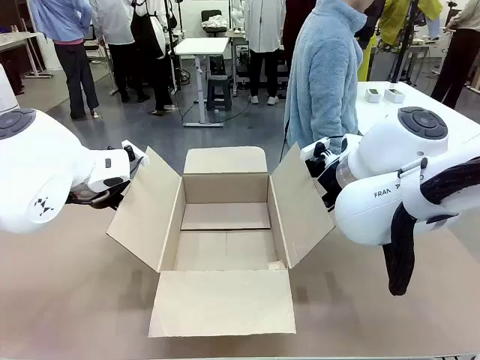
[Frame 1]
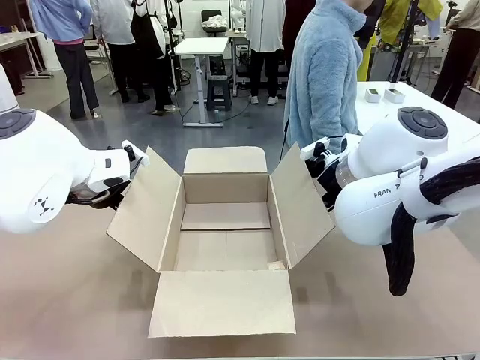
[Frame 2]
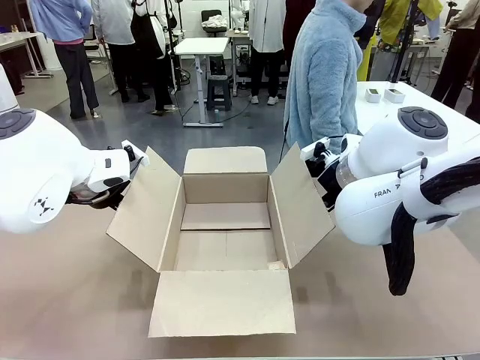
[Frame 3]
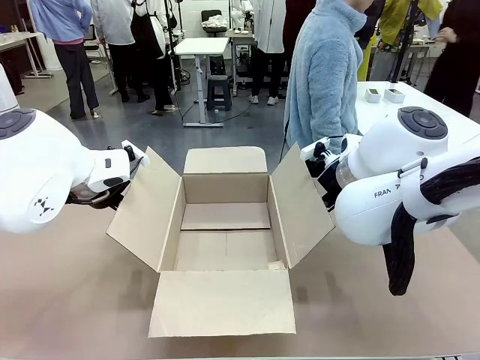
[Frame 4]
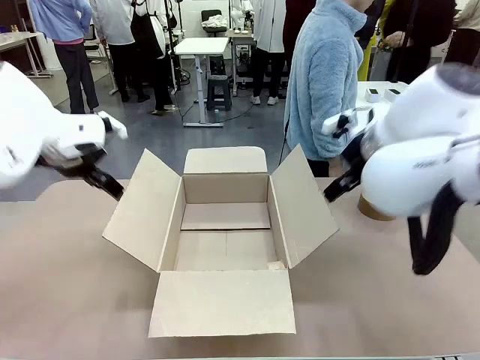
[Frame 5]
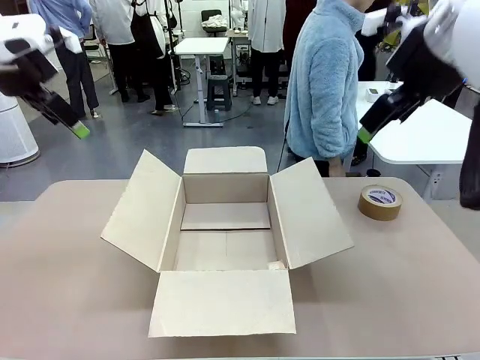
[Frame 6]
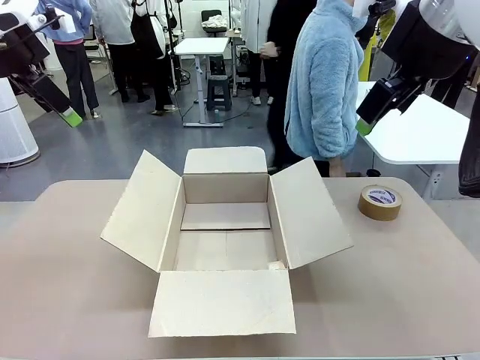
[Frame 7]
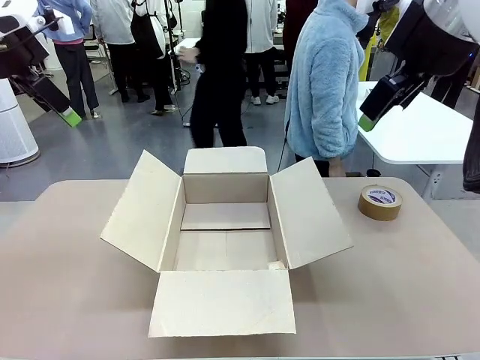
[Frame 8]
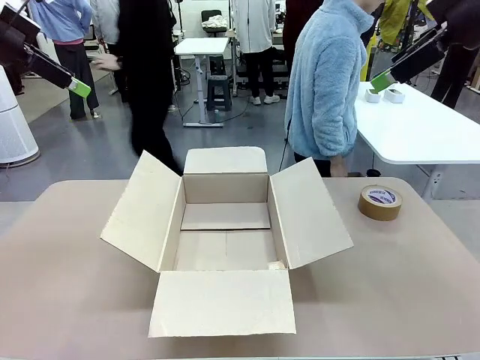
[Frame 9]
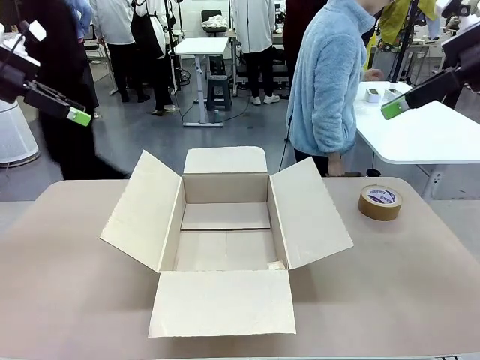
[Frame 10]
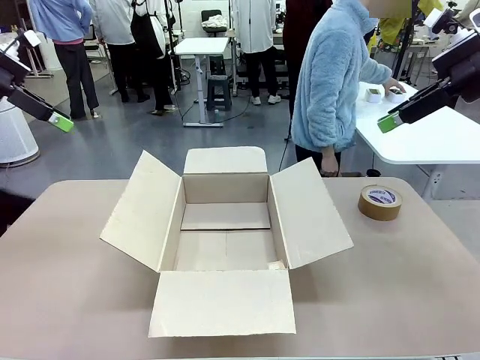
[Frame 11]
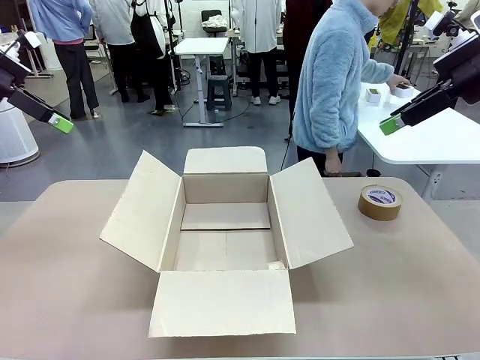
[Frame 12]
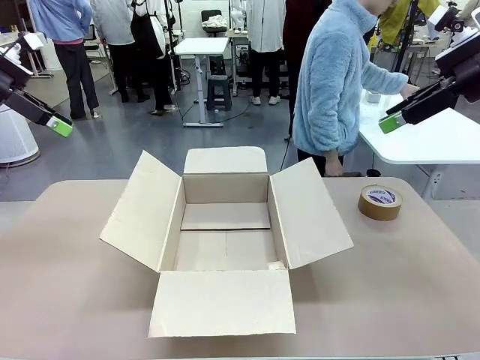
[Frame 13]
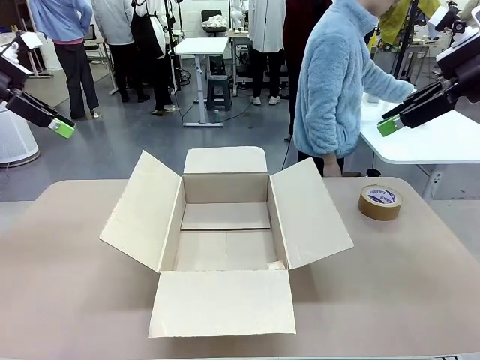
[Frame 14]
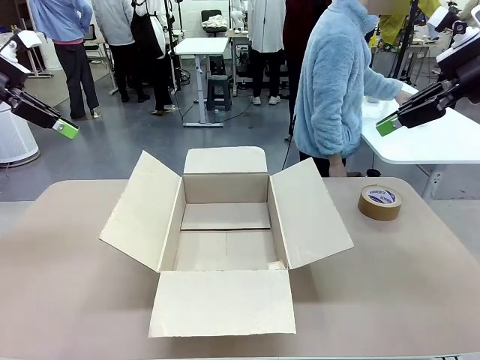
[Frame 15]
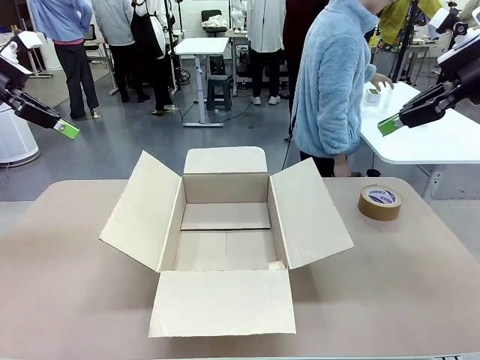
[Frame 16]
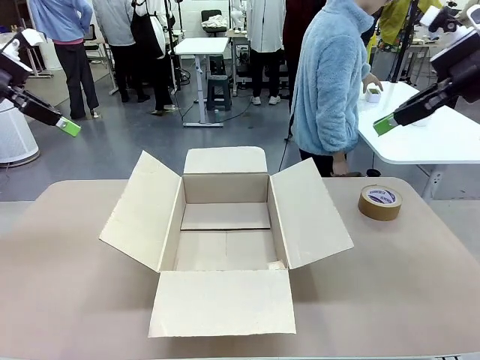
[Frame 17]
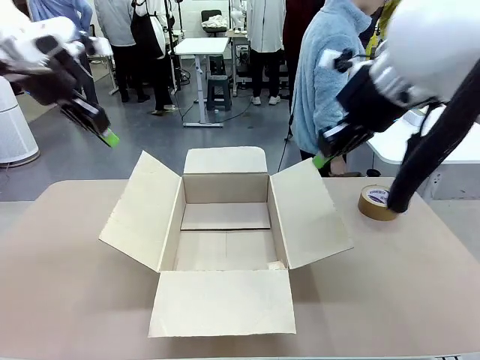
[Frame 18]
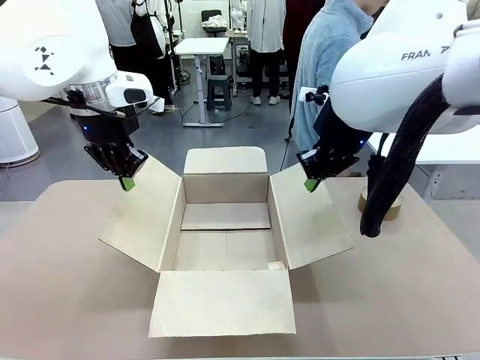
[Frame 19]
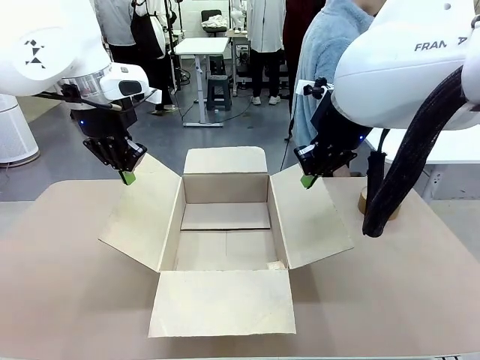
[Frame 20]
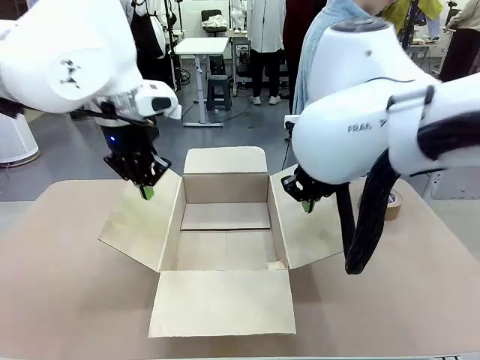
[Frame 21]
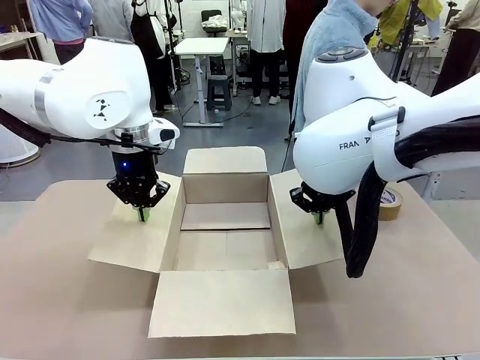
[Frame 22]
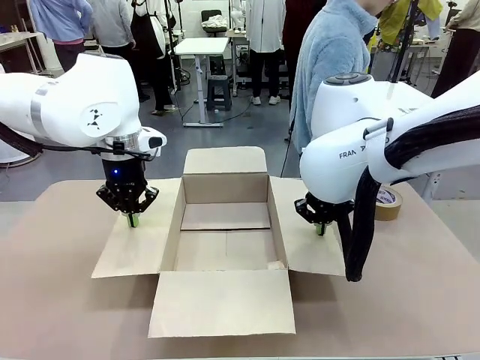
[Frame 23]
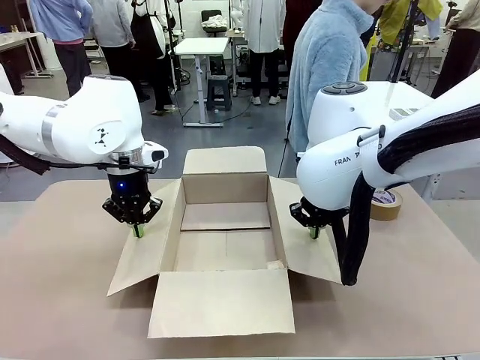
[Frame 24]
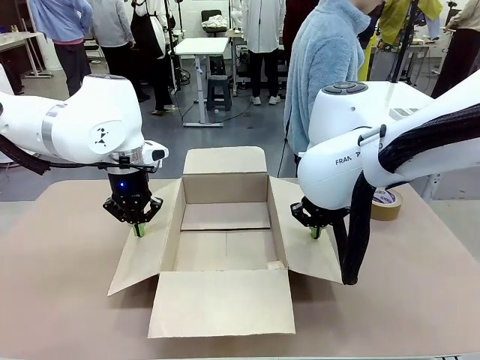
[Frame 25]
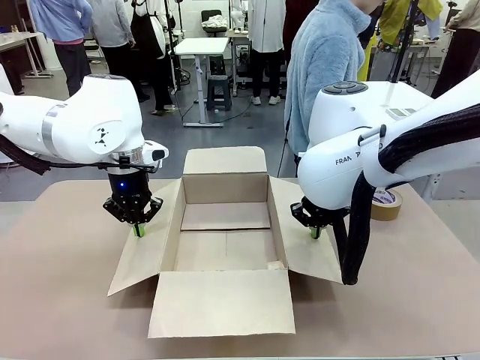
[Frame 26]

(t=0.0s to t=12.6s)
Task: Wrap the clocks to prevent damage.
Robot: Open the side flaps of the Package Box.

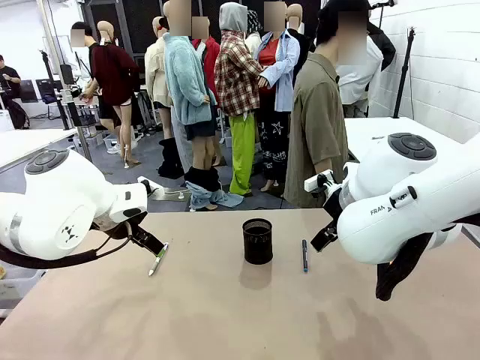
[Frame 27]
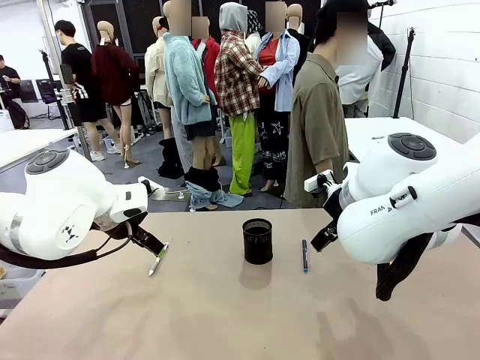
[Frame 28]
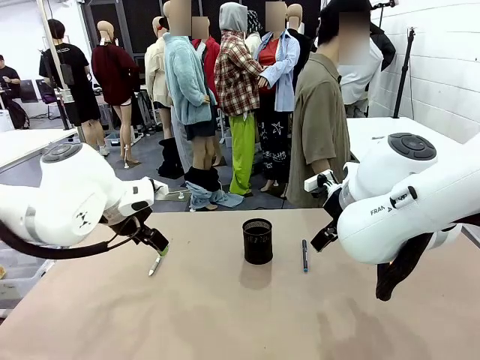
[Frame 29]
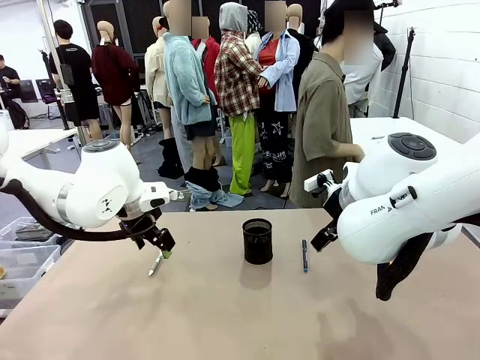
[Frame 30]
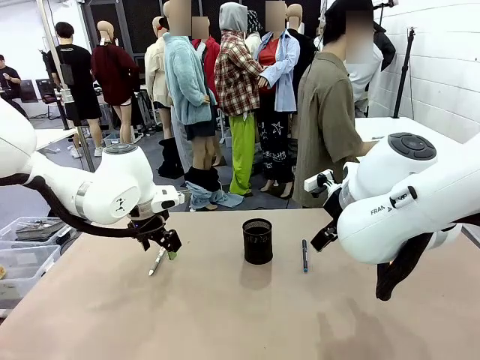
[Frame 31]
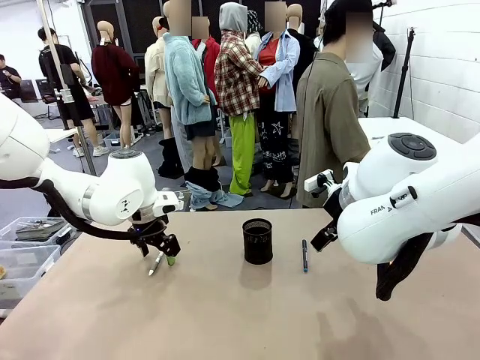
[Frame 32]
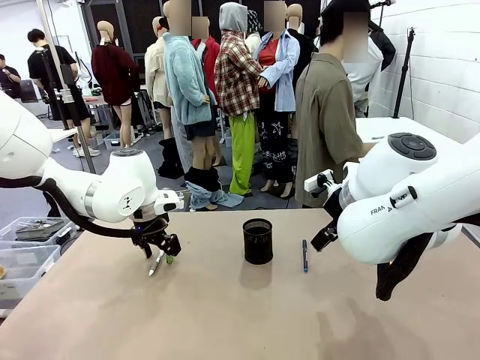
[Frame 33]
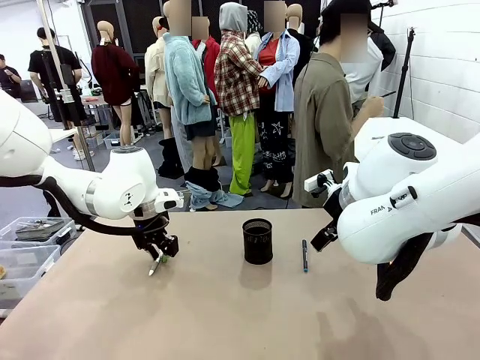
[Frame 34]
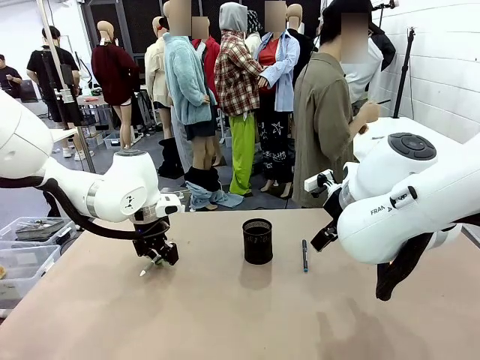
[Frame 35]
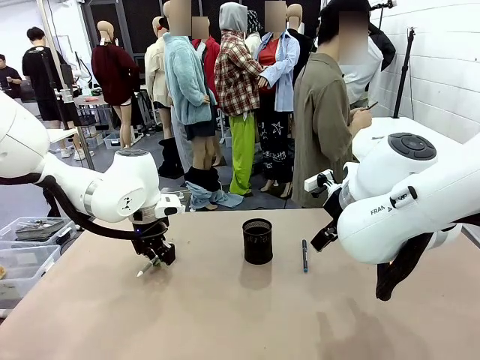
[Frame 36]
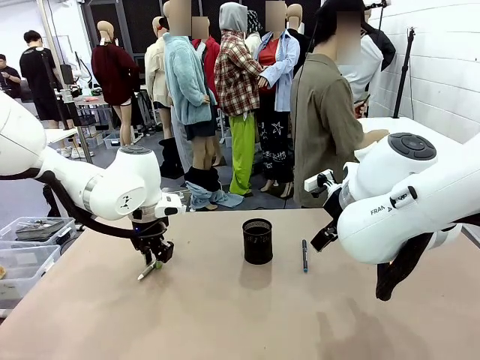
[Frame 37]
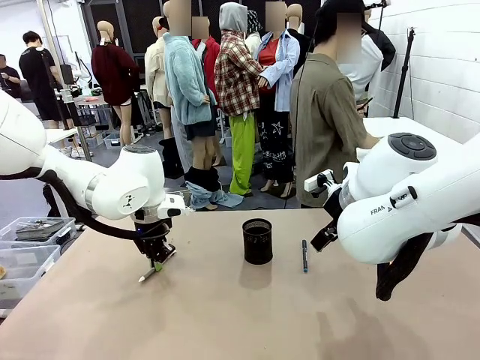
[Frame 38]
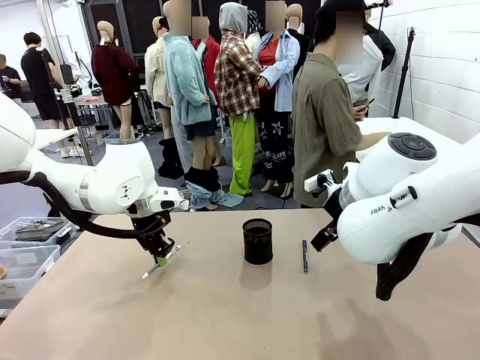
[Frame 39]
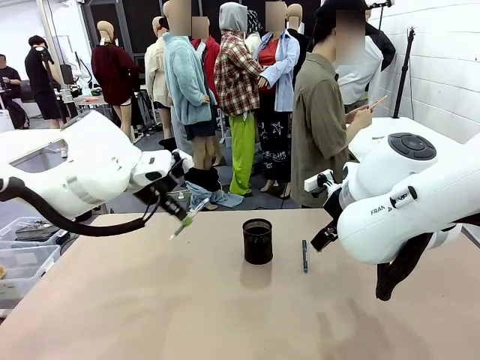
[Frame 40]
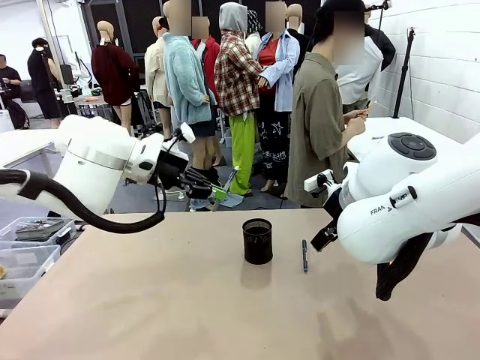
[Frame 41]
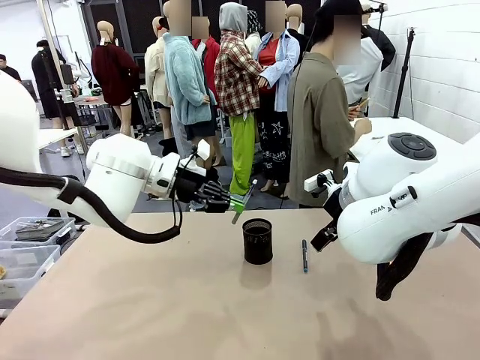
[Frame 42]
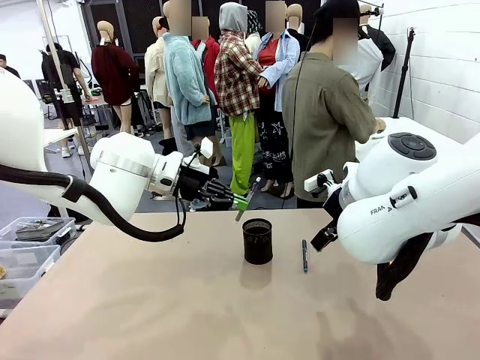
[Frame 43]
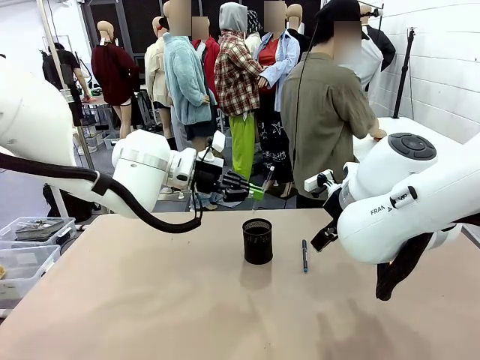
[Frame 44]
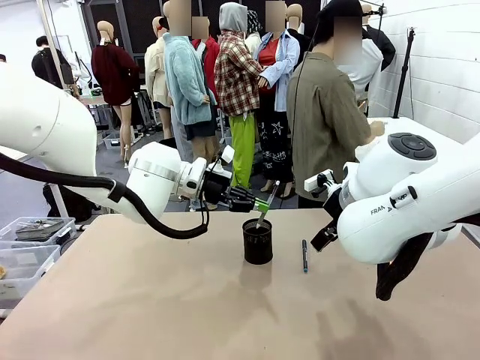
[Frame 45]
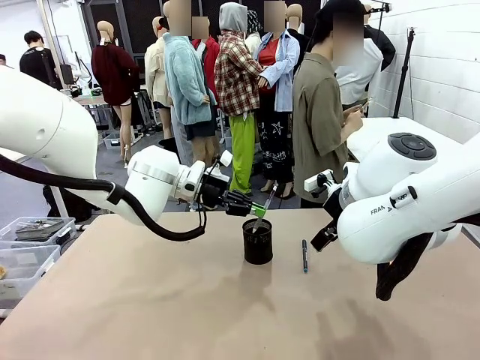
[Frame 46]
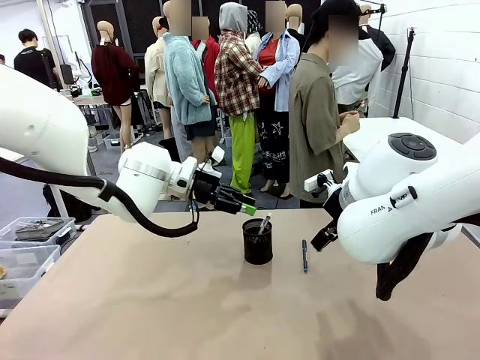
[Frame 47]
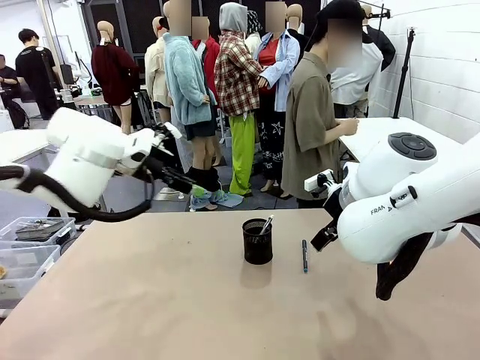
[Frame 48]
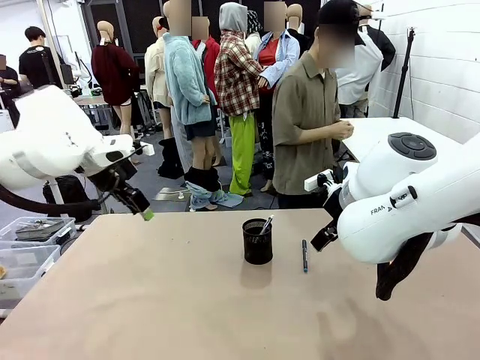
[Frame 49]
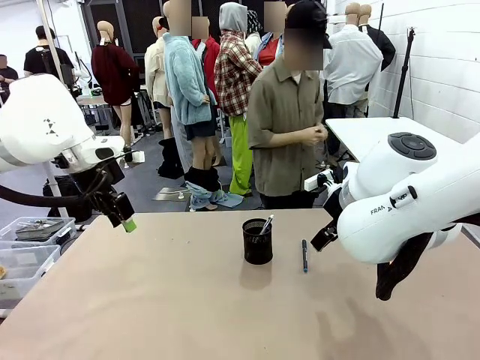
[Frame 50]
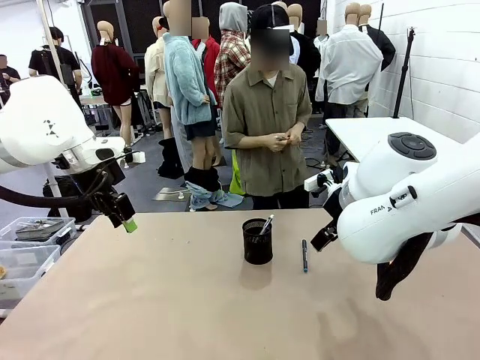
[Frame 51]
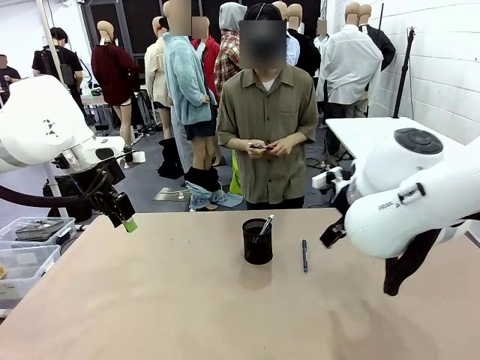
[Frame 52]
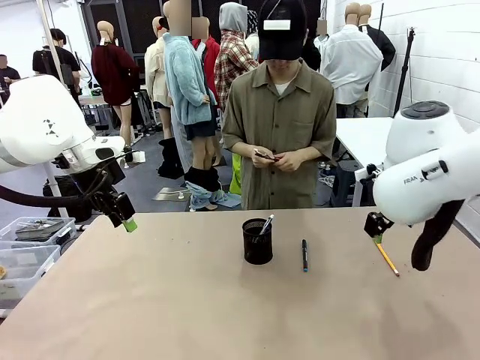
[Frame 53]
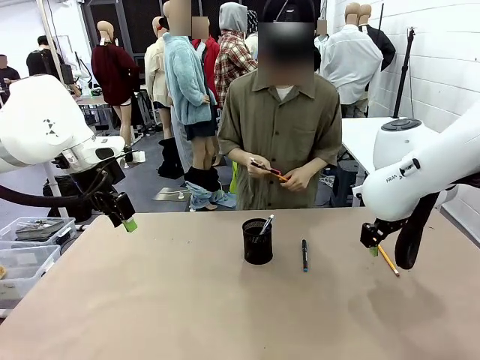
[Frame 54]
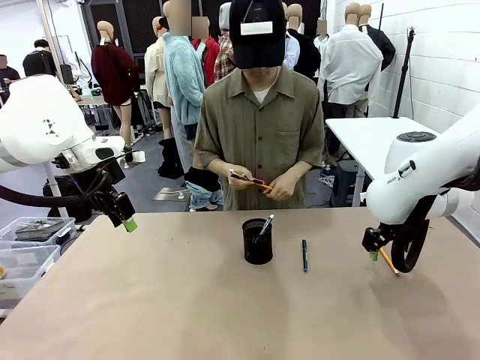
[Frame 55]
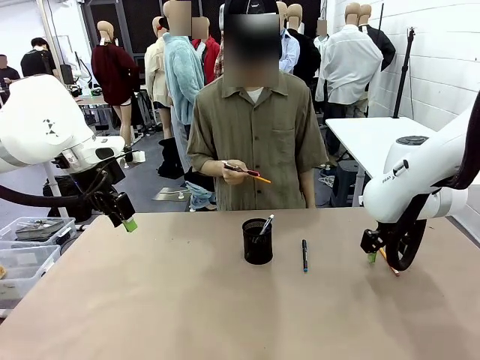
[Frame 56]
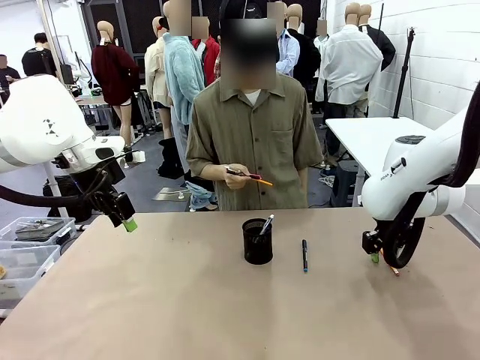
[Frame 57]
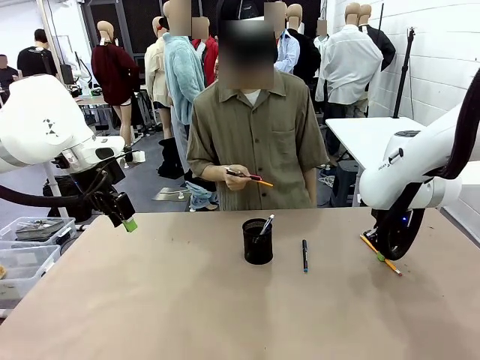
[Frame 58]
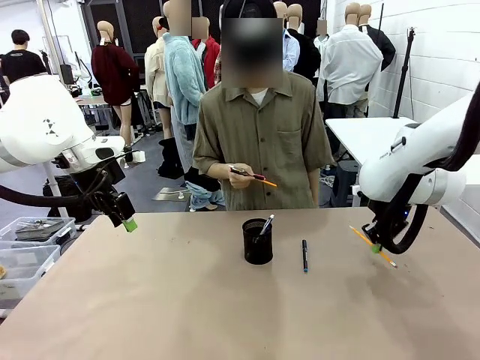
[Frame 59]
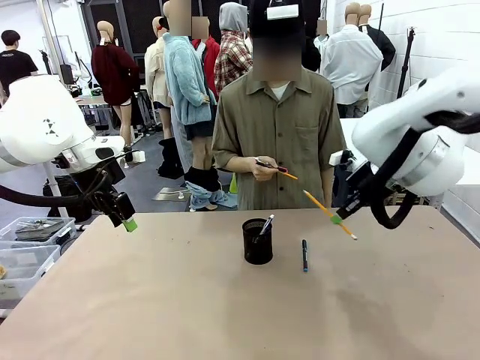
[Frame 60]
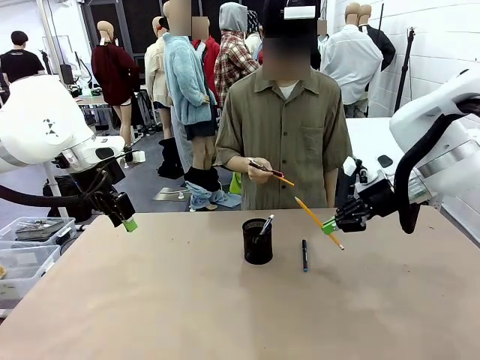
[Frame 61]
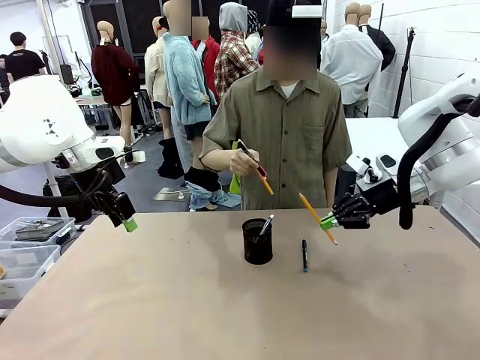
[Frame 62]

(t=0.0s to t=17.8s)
Task: Place the pens into the pen holder.
Robot: Pick up a writing instrument from the table and place it into the Pen holder.
Person: Pick up all writing instruments from the Human table.
